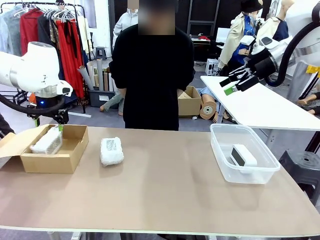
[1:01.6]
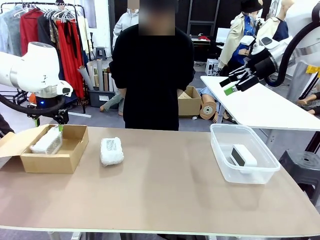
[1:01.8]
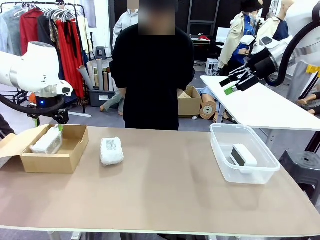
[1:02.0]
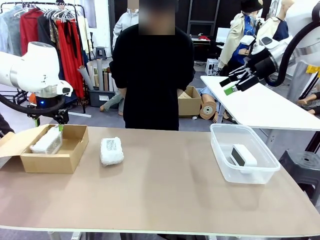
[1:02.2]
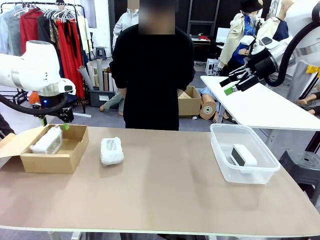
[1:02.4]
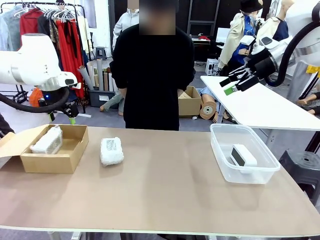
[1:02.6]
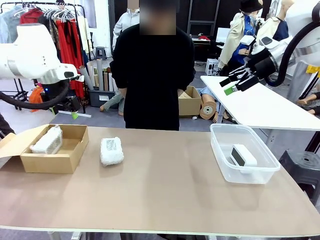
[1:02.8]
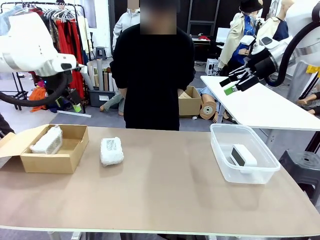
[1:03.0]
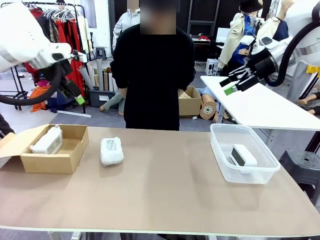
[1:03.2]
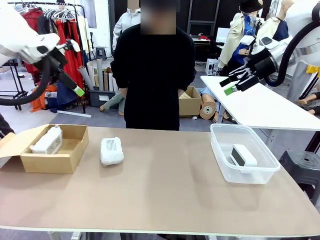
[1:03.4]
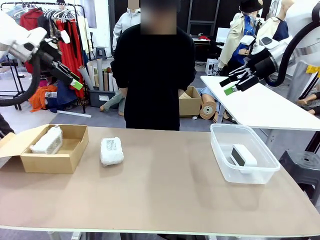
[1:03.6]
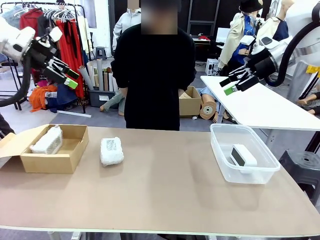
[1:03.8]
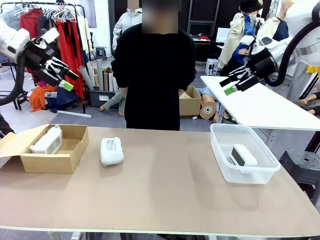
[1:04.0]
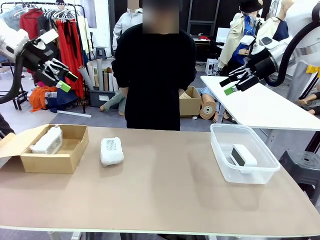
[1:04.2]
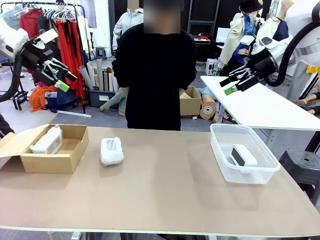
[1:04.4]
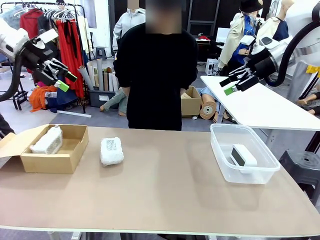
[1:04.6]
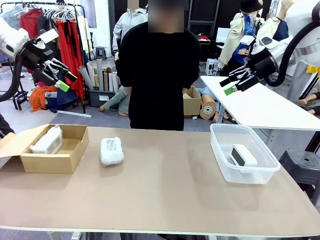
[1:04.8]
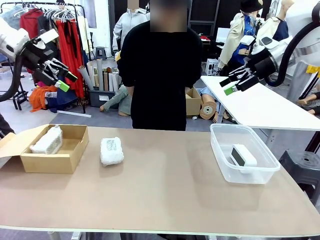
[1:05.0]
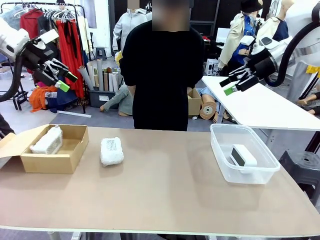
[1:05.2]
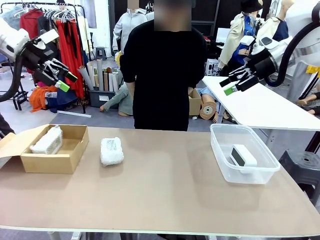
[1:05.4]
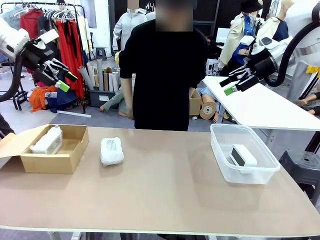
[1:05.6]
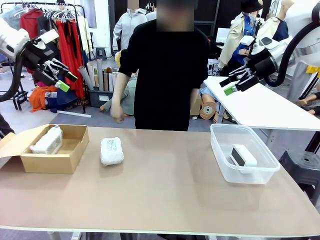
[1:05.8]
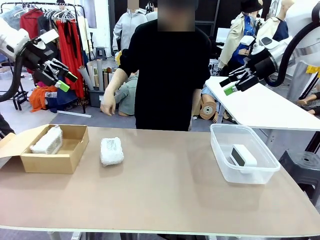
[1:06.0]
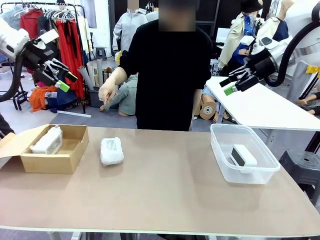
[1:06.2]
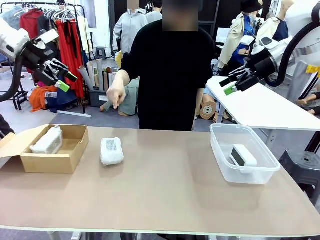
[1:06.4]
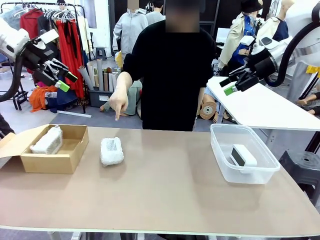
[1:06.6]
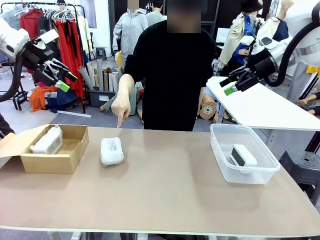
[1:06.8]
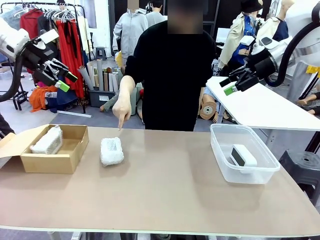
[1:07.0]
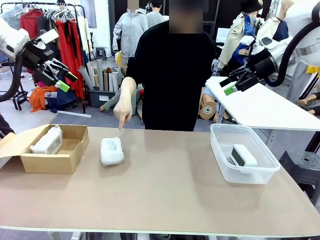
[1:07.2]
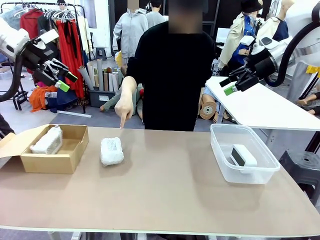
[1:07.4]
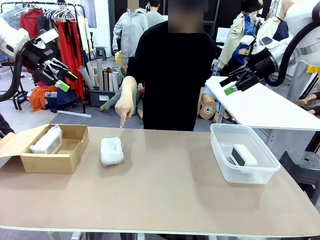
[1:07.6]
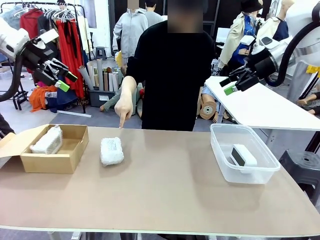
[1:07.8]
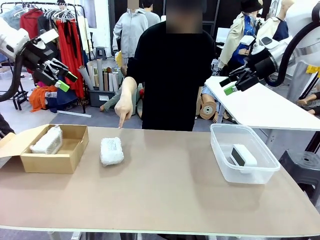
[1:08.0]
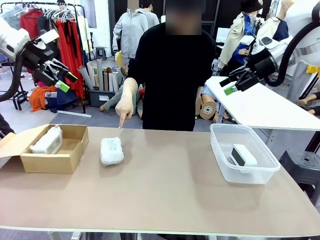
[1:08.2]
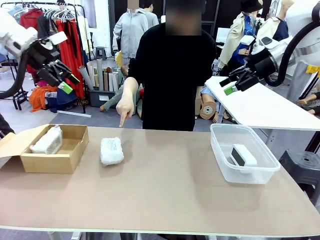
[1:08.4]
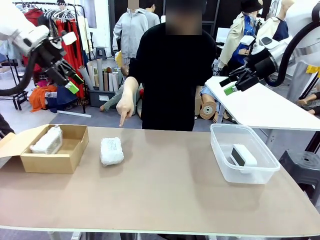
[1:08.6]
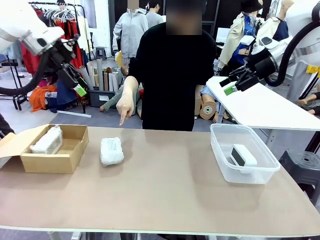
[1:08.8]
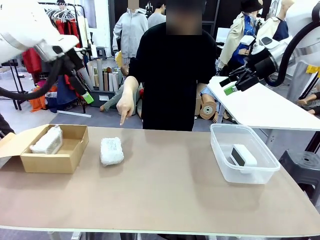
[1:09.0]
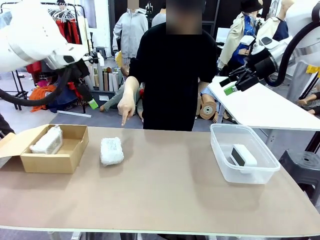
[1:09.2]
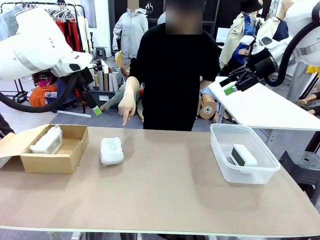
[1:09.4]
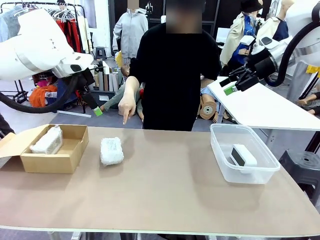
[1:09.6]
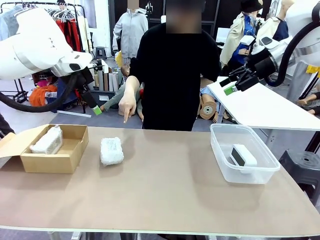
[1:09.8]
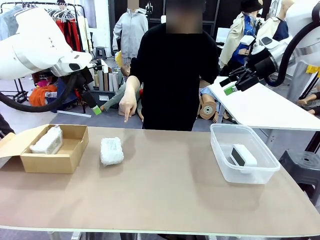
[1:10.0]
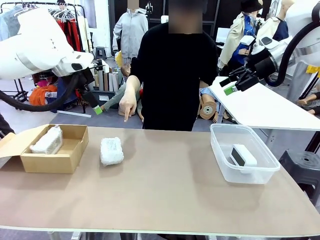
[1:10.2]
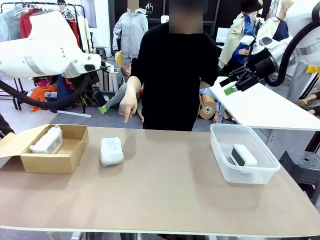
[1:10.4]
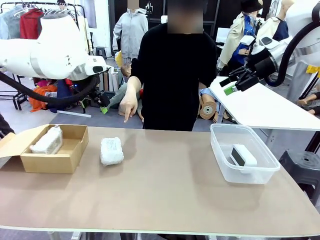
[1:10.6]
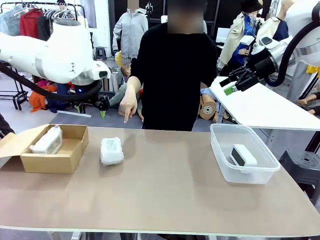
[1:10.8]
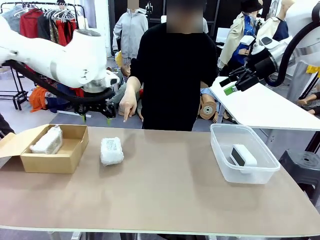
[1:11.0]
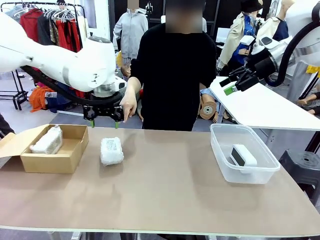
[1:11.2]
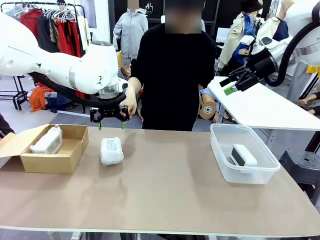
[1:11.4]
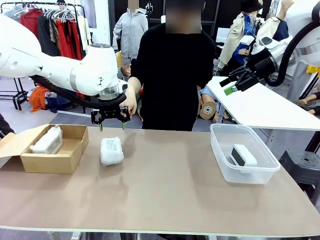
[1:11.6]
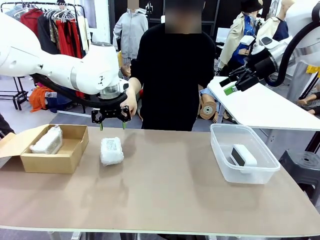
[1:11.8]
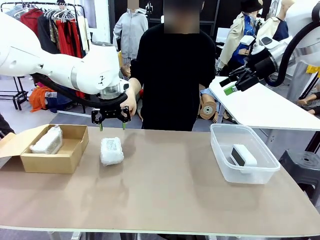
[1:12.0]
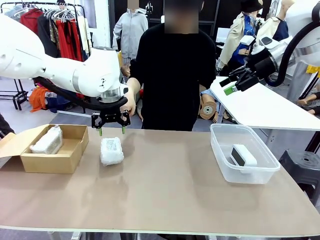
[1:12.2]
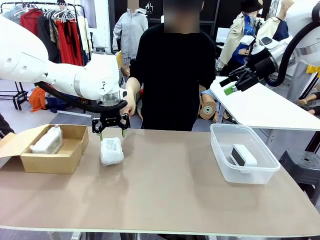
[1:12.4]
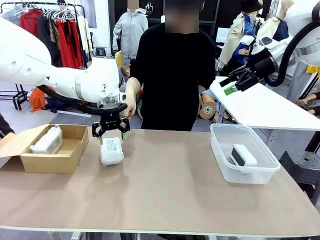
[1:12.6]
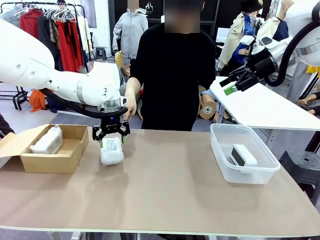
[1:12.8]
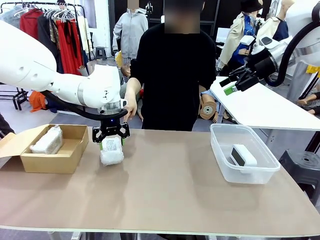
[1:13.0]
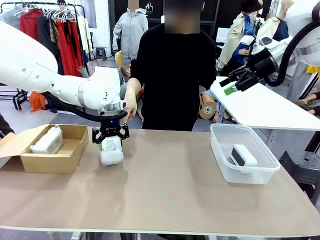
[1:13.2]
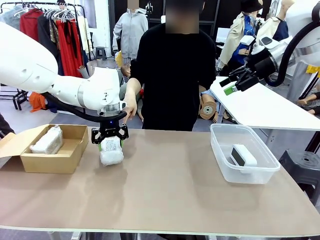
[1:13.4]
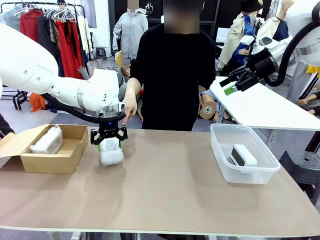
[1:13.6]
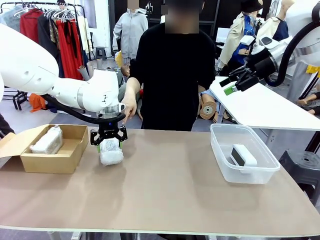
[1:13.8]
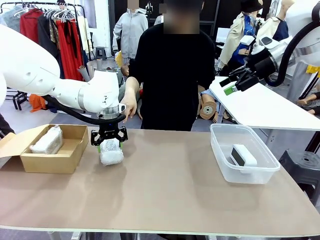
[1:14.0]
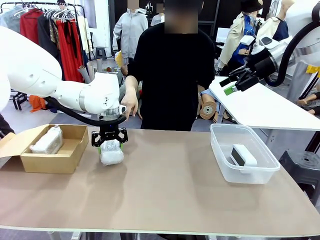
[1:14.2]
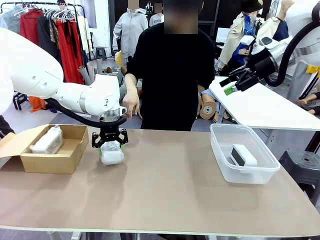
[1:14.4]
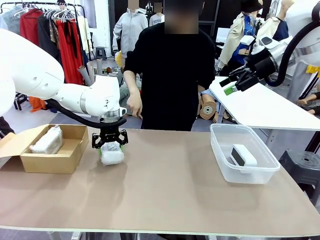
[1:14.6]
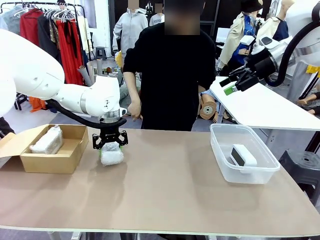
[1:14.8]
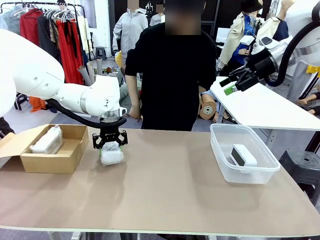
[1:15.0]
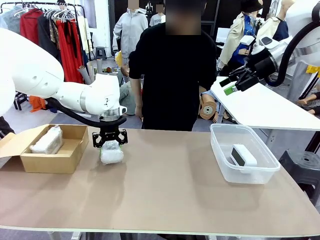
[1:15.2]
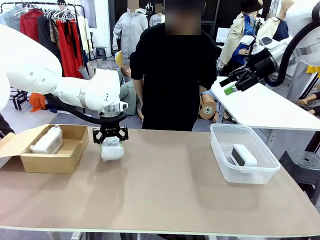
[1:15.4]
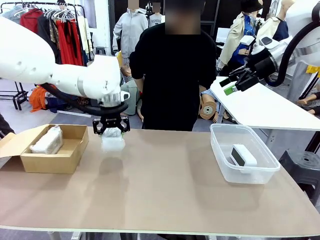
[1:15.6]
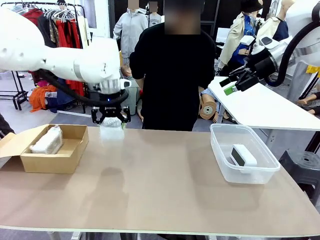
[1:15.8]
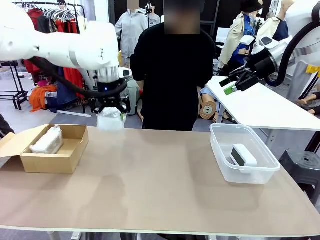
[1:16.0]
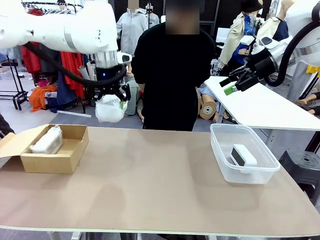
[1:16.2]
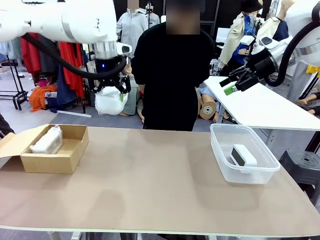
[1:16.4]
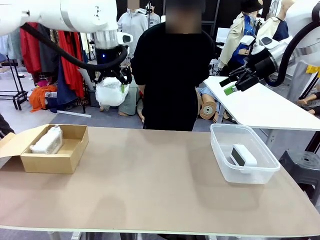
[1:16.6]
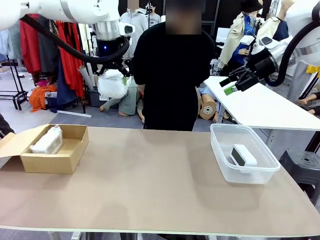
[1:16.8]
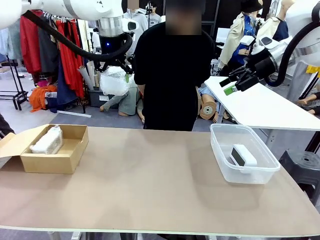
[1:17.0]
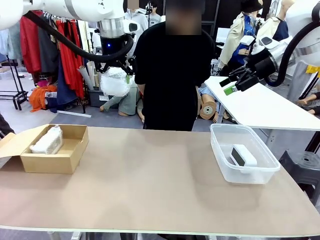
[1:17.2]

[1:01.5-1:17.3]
Task: Separate and place wrapped and unwrapped clocks.
Robot: Pick up the Digital clock indicated by the person.
